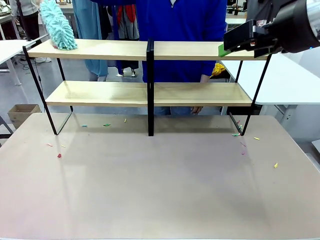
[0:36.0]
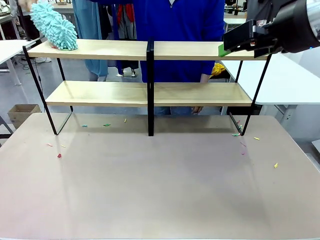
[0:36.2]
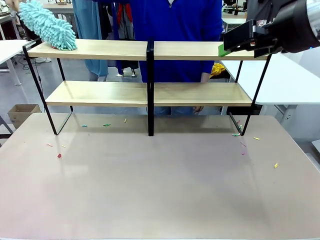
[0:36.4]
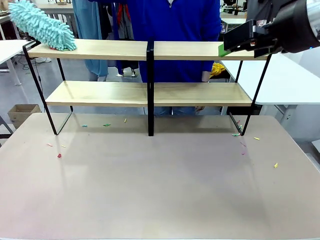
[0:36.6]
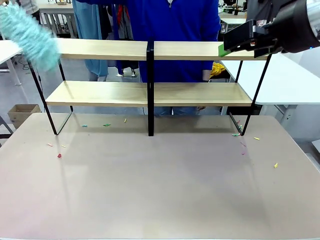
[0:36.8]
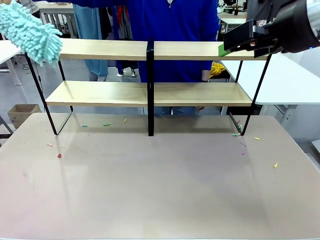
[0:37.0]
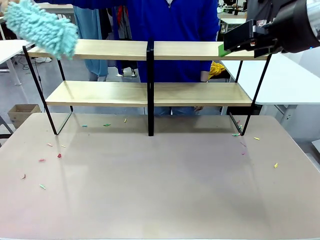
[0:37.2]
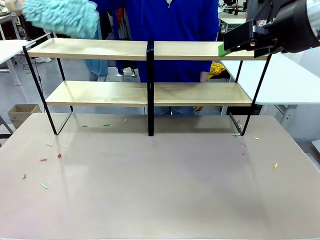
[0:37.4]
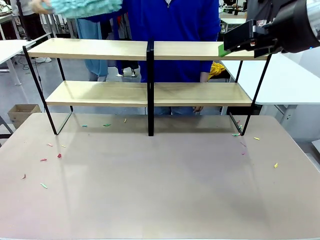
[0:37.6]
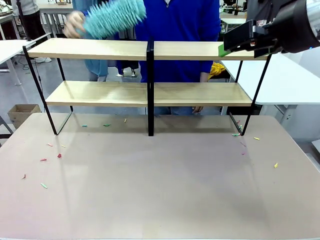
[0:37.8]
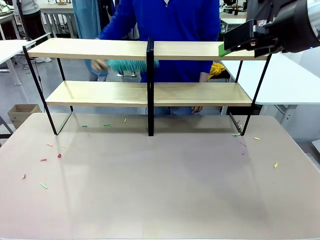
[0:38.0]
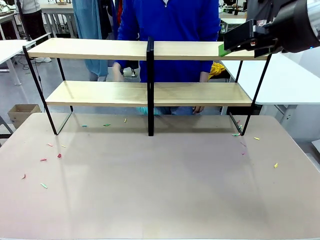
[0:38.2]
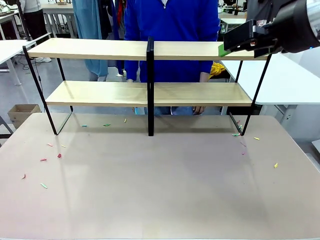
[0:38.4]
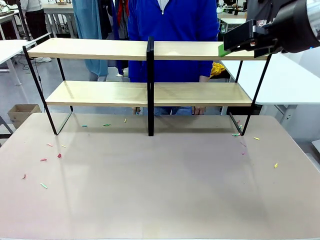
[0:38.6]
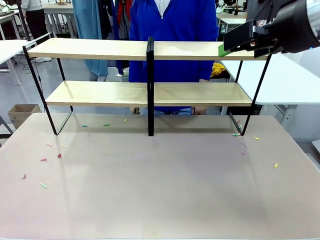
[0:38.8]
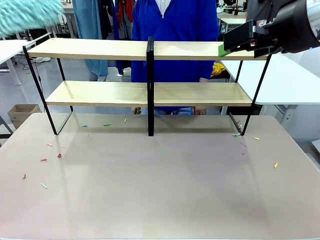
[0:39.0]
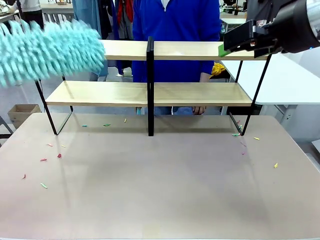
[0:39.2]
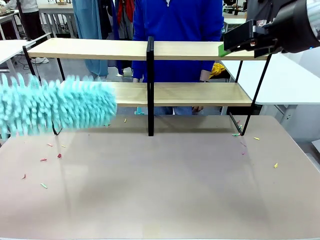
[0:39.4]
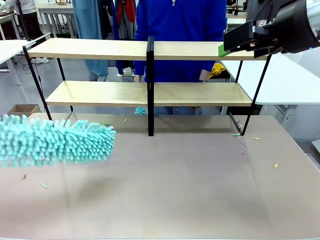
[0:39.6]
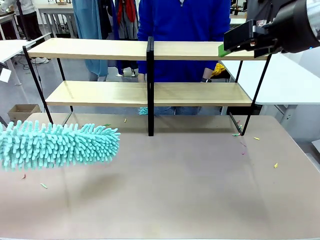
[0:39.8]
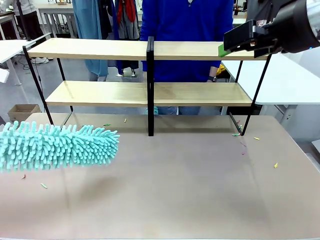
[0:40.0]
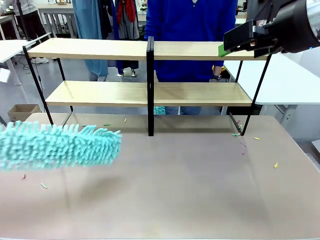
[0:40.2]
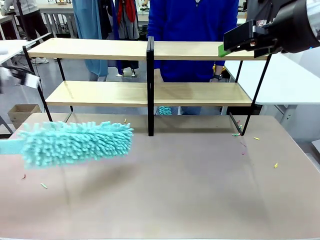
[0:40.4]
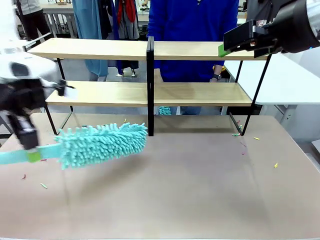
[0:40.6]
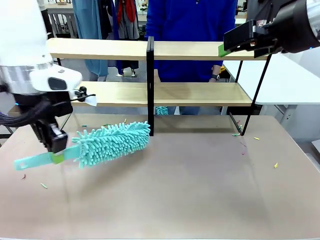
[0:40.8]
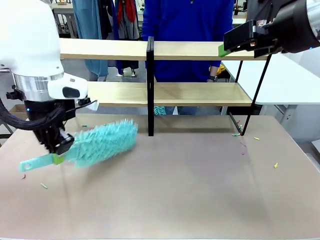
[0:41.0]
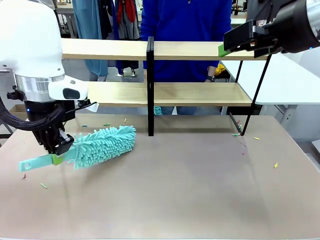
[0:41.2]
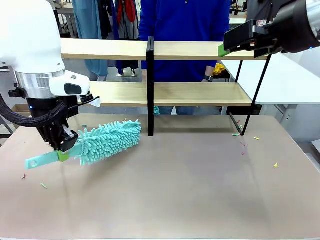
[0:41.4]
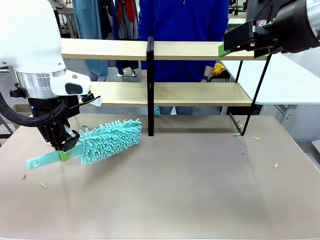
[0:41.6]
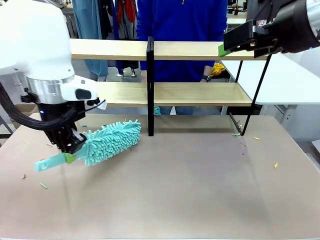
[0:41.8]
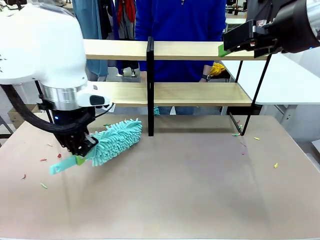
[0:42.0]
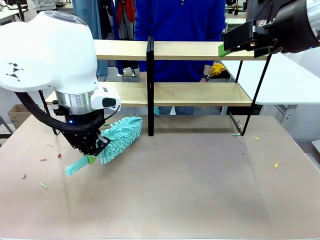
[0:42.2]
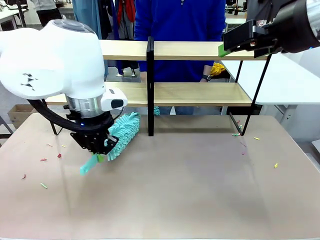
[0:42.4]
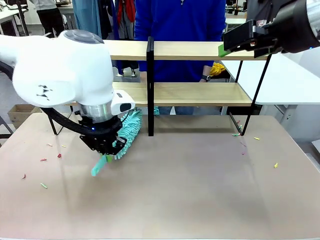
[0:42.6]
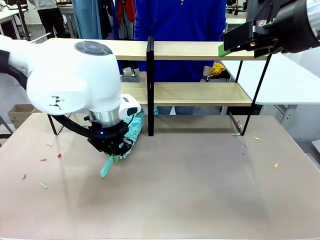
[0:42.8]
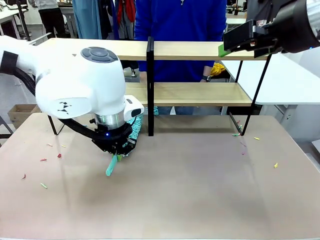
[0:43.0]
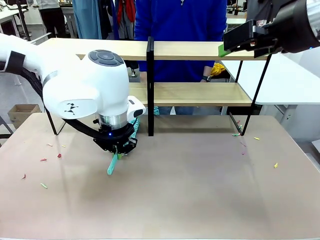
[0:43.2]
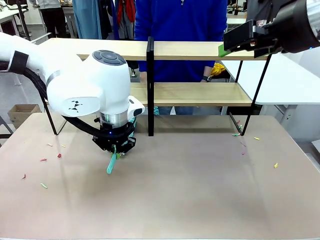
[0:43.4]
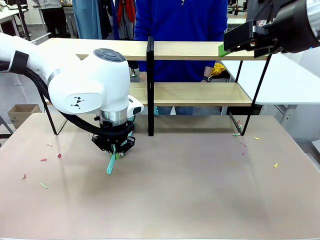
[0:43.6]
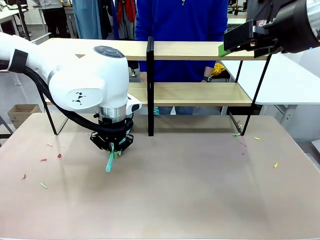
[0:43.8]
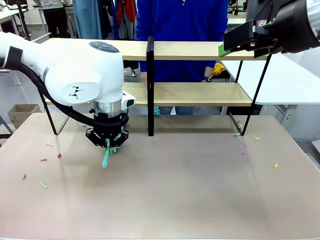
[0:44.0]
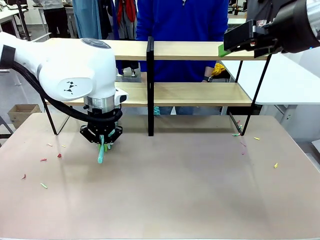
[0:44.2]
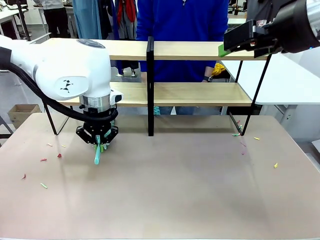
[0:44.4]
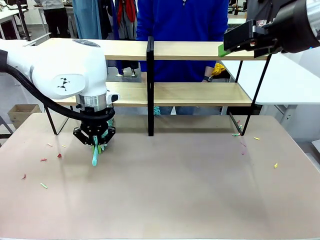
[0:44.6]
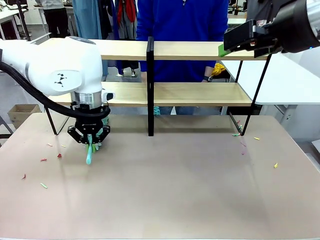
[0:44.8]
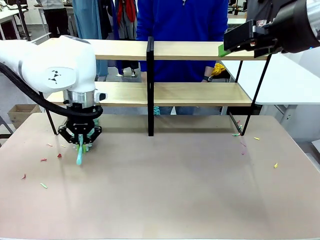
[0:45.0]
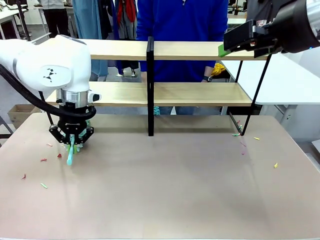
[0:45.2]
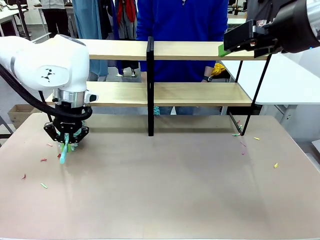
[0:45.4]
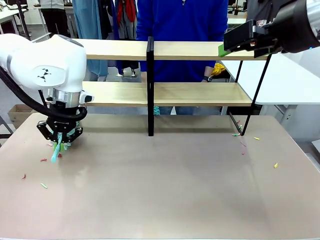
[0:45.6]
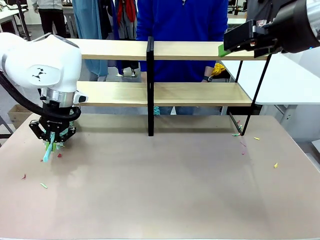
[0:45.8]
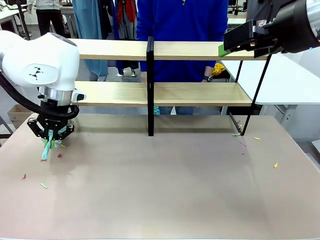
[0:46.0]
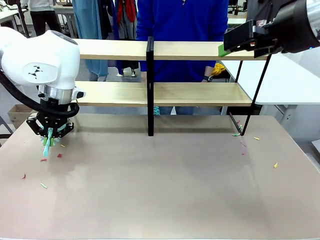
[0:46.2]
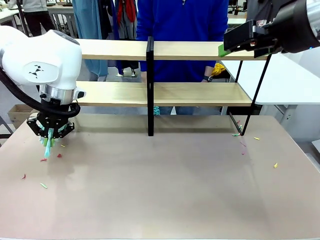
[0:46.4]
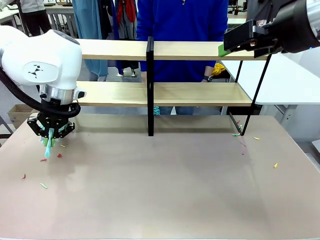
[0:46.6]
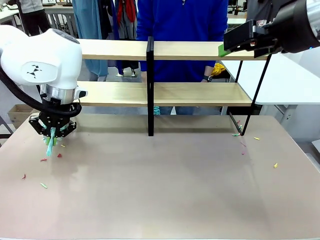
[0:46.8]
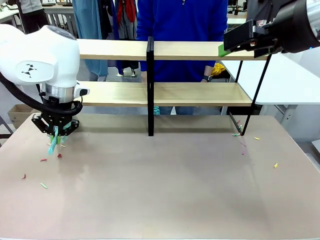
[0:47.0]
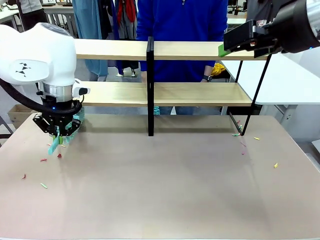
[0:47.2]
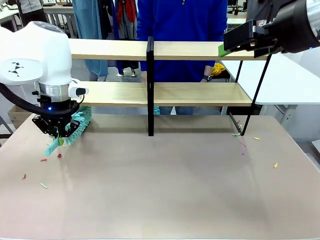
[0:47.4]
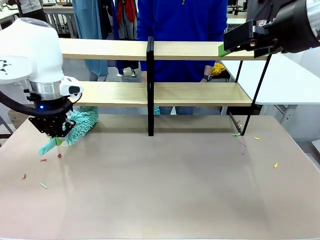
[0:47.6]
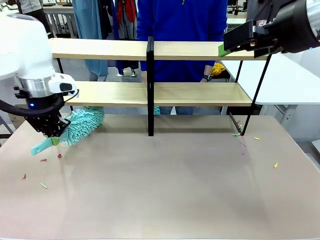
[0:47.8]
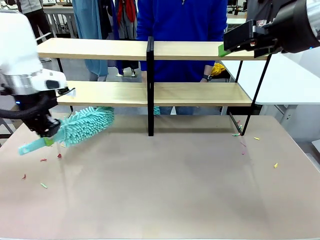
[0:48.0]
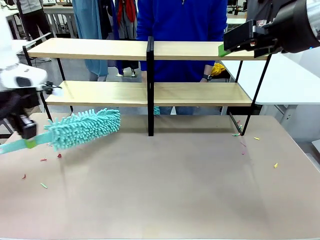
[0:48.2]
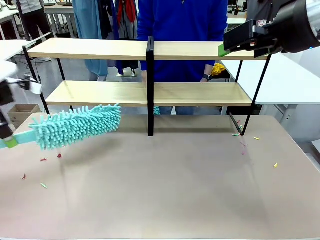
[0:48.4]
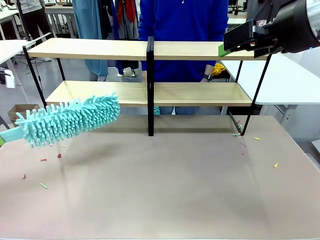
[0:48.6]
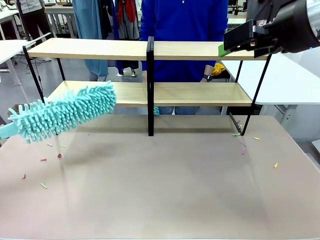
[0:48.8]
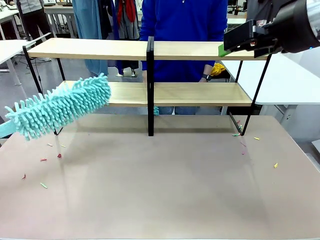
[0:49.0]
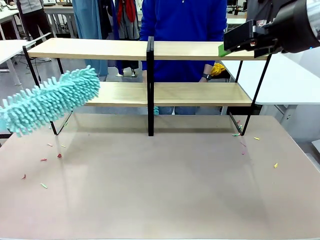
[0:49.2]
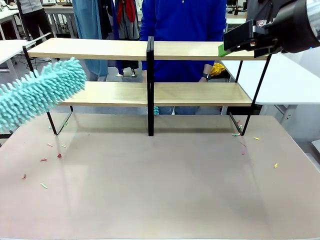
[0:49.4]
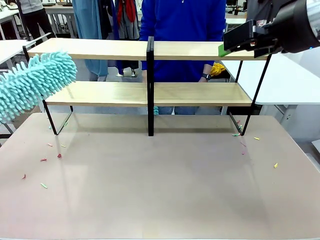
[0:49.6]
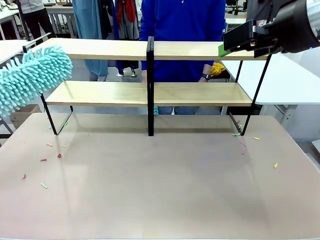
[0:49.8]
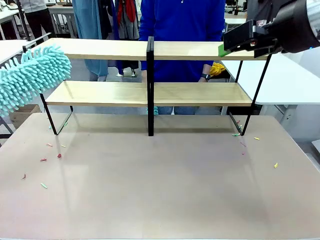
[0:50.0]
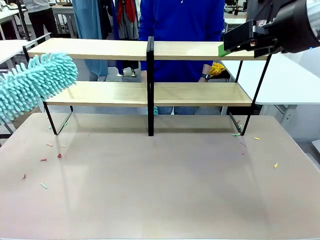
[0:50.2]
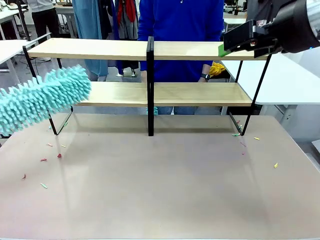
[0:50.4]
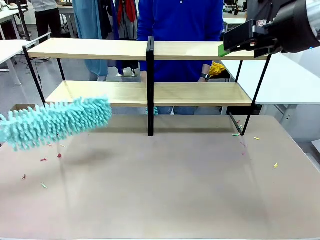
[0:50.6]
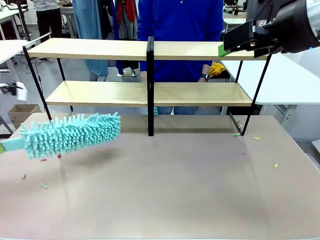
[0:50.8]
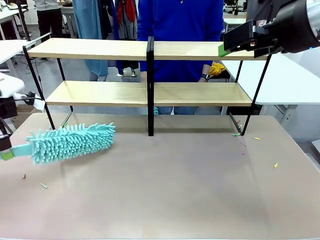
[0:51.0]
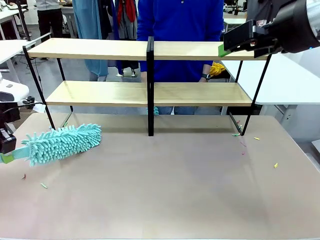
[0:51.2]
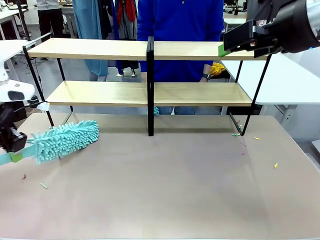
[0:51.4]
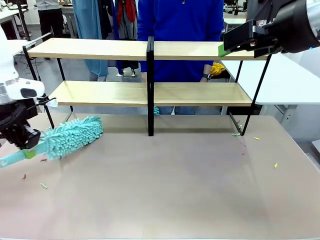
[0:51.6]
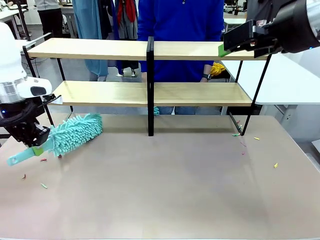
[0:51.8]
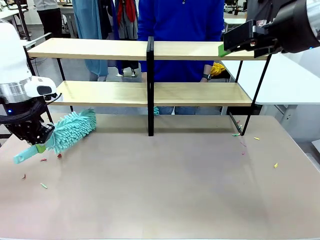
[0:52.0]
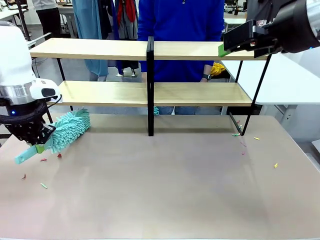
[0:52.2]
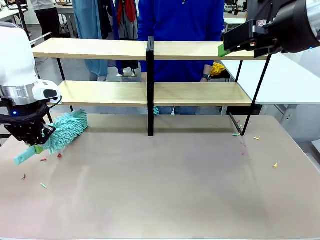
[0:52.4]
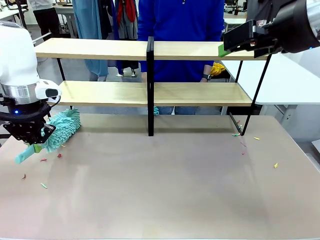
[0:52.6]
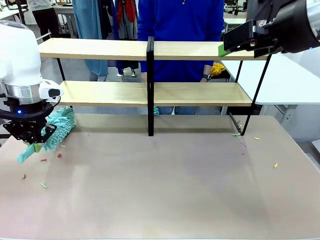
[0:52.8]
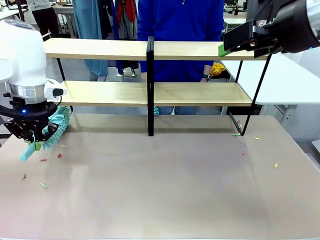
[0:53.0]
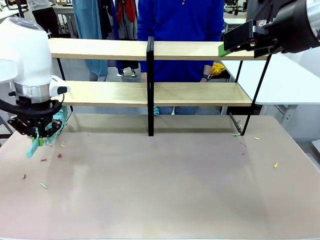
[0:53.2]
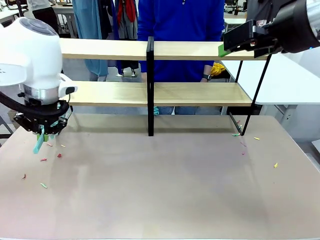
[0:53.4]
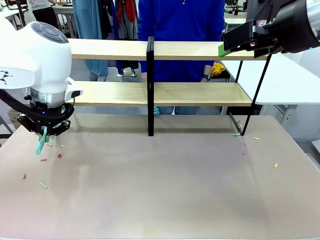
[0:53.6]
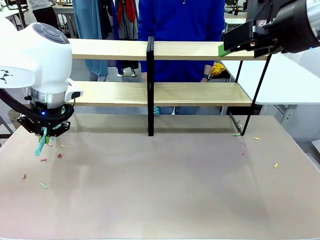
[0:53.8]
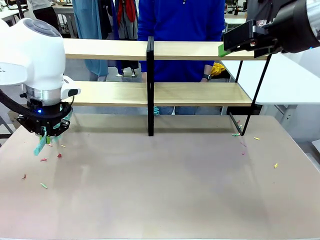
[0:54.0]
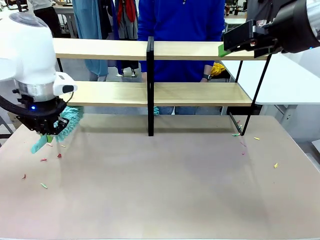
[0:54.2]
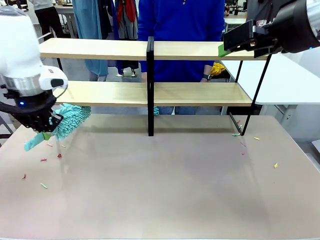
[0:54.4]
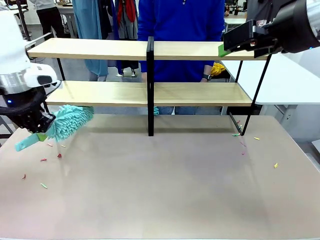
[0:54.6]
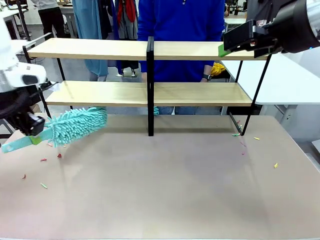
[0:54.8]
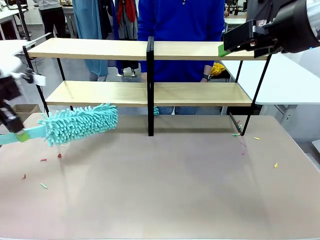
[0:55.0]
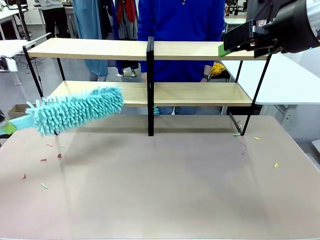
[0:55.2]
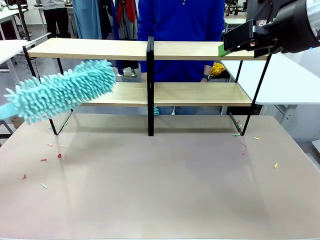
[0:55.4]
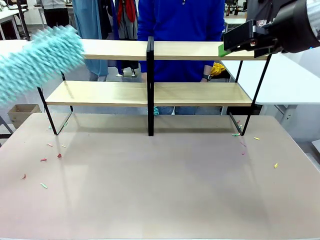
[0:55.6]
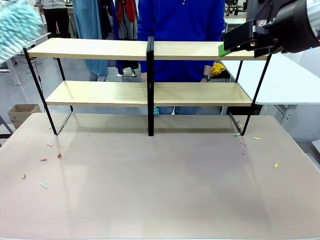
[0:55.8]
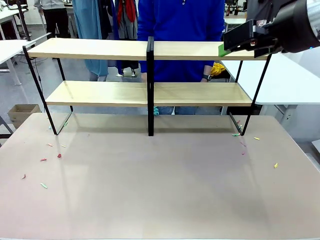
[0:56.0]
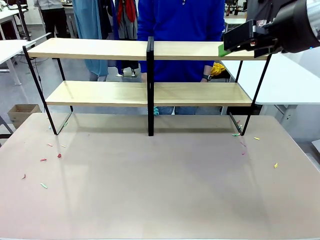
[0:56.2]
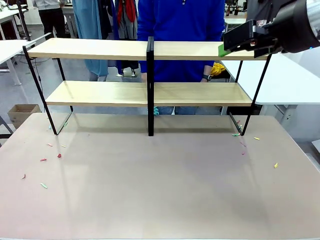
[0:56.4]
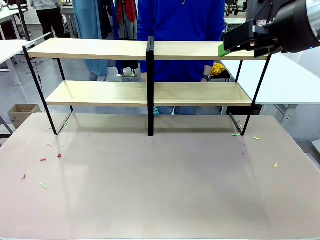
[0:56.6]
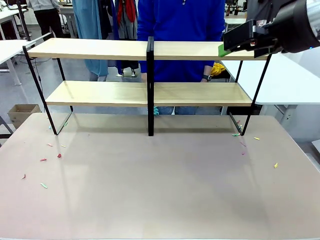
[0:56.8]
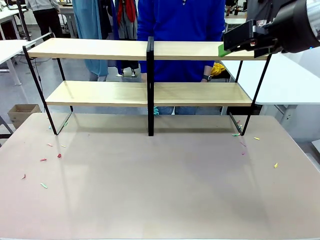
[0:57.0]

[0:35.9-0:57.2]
Task: Clean the shelves.
Robot: Clean another randomly selected level of the Shelf with the Duster.
